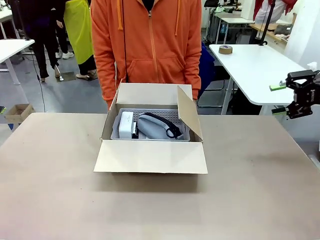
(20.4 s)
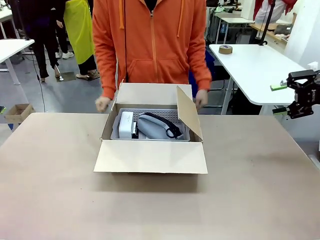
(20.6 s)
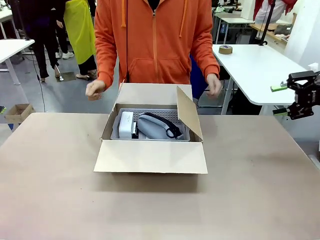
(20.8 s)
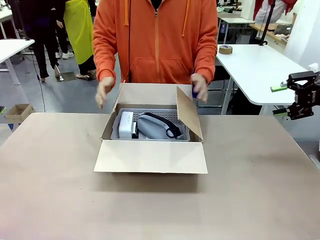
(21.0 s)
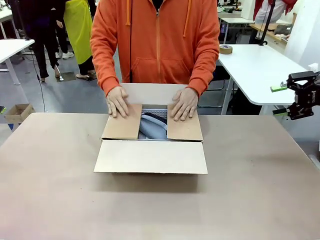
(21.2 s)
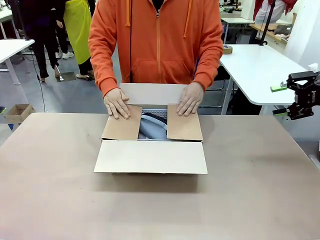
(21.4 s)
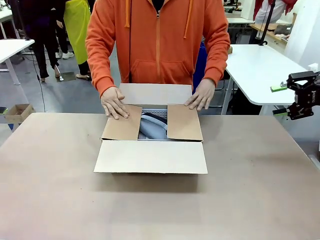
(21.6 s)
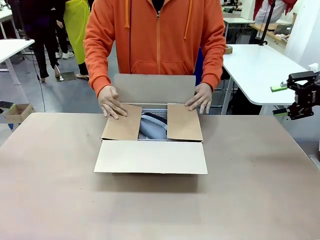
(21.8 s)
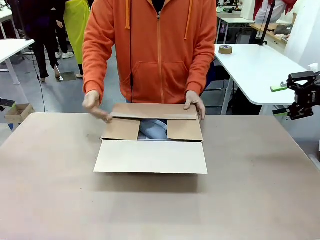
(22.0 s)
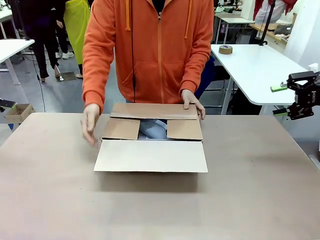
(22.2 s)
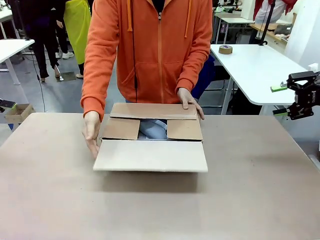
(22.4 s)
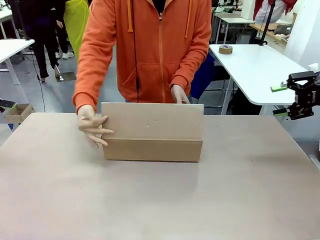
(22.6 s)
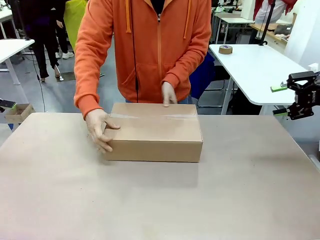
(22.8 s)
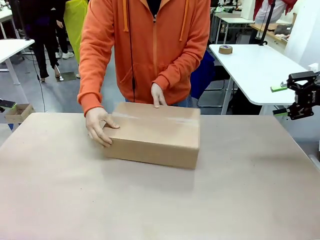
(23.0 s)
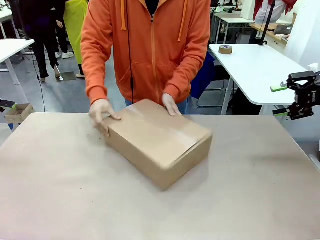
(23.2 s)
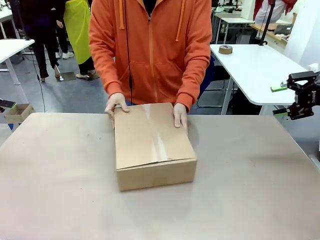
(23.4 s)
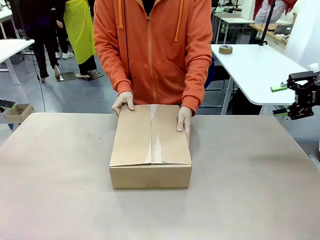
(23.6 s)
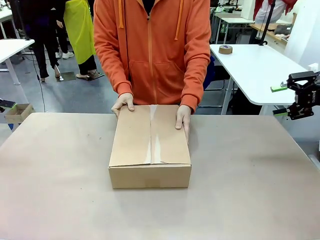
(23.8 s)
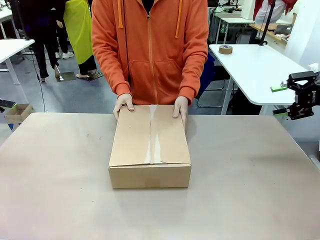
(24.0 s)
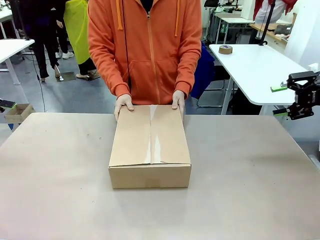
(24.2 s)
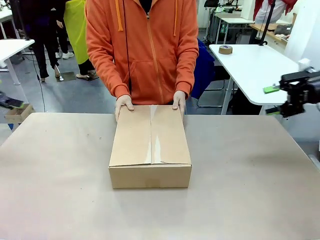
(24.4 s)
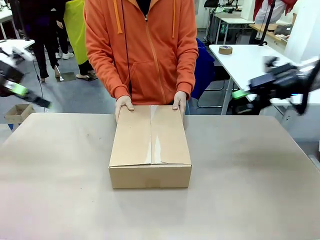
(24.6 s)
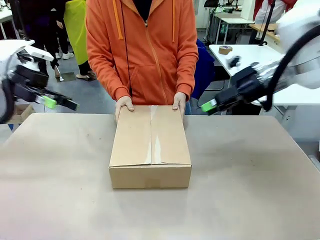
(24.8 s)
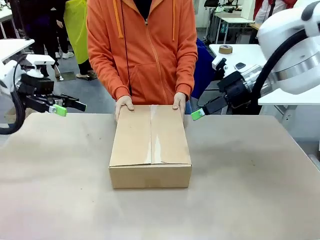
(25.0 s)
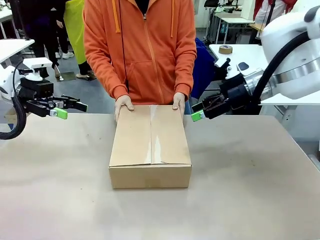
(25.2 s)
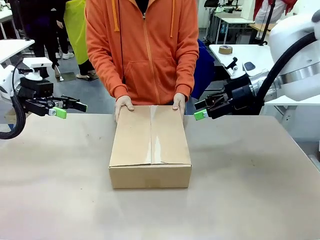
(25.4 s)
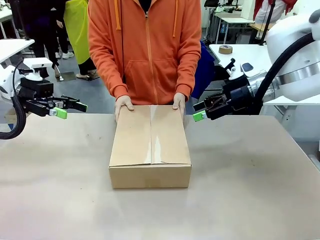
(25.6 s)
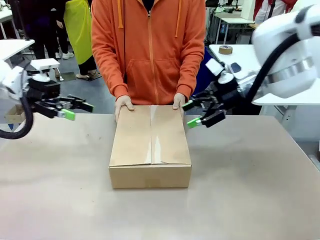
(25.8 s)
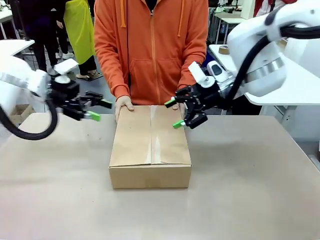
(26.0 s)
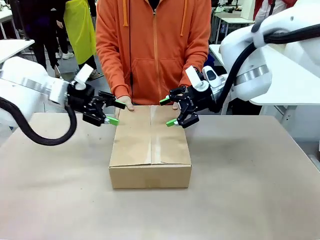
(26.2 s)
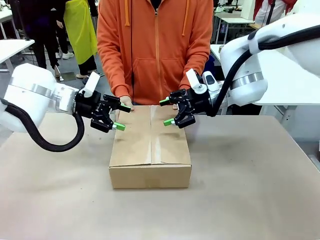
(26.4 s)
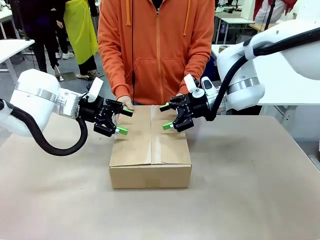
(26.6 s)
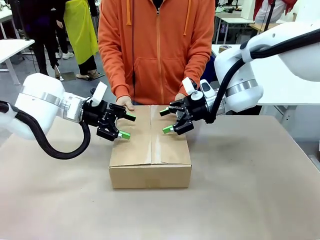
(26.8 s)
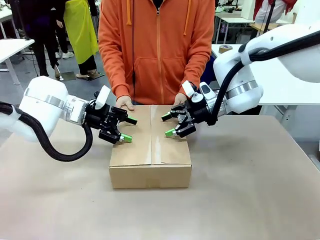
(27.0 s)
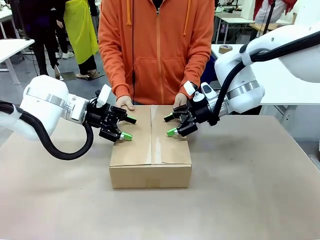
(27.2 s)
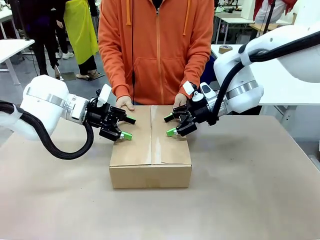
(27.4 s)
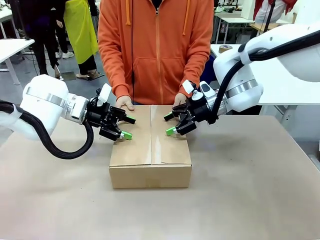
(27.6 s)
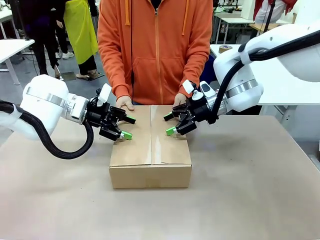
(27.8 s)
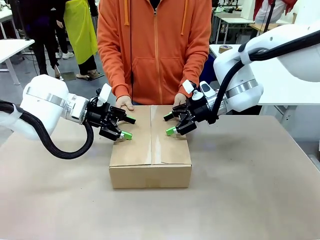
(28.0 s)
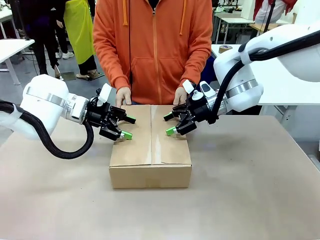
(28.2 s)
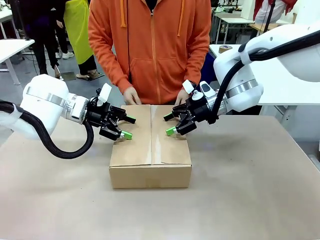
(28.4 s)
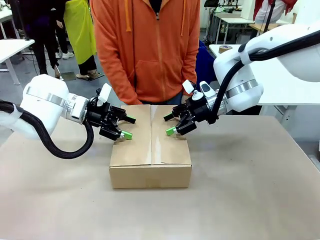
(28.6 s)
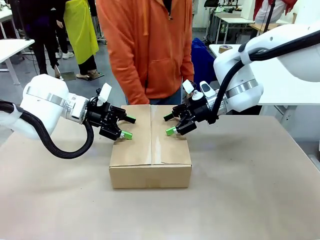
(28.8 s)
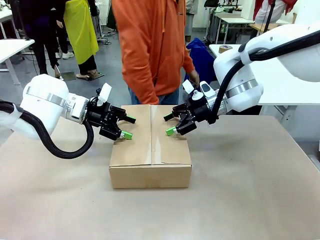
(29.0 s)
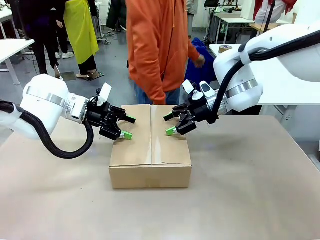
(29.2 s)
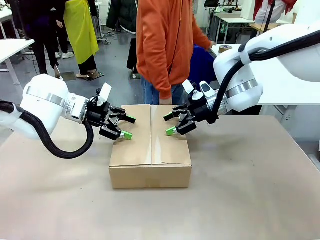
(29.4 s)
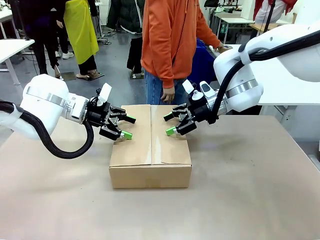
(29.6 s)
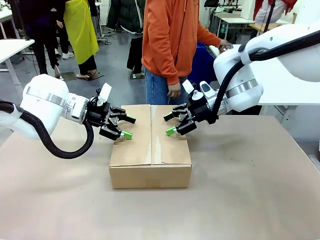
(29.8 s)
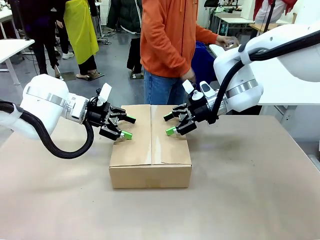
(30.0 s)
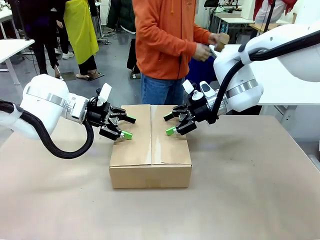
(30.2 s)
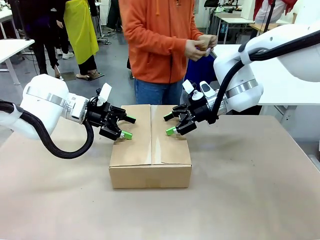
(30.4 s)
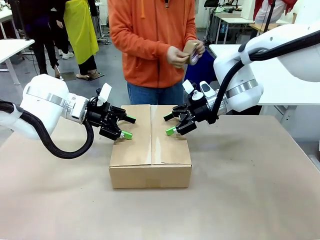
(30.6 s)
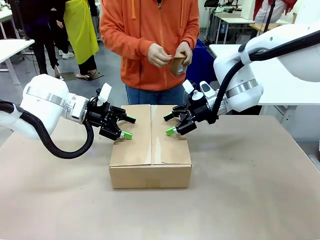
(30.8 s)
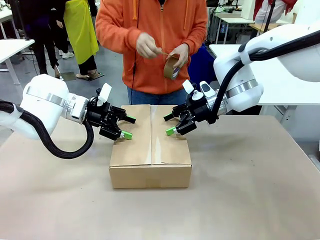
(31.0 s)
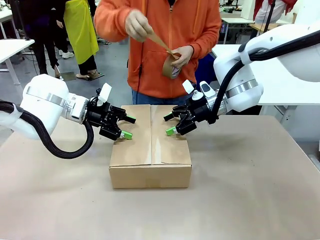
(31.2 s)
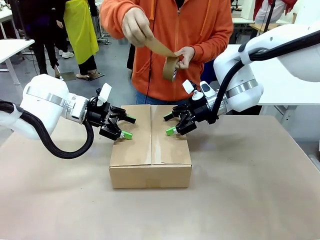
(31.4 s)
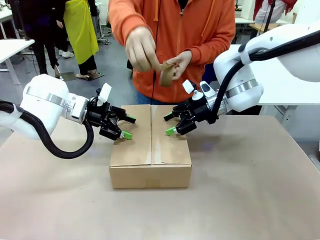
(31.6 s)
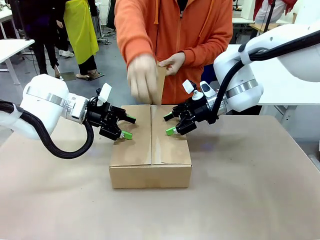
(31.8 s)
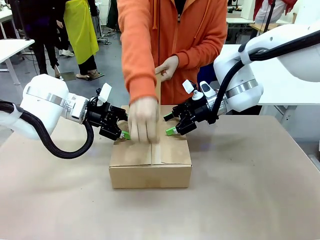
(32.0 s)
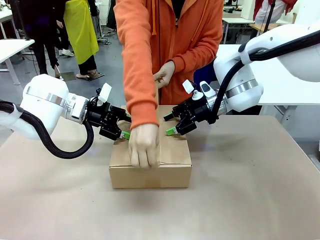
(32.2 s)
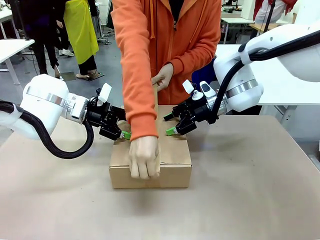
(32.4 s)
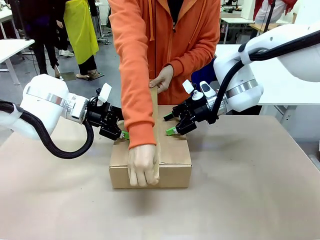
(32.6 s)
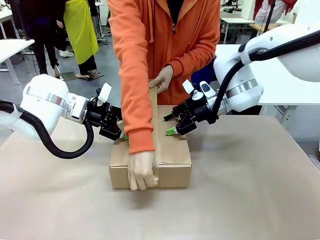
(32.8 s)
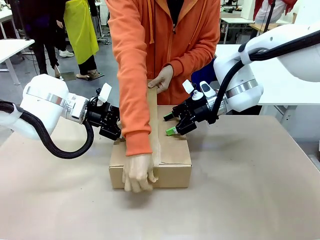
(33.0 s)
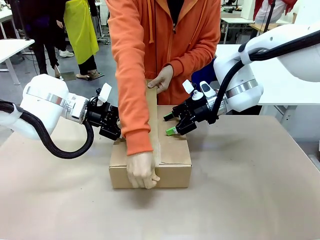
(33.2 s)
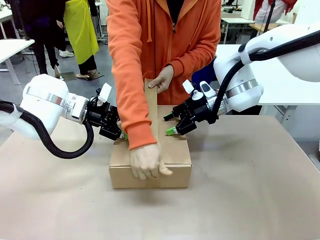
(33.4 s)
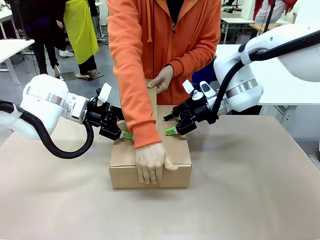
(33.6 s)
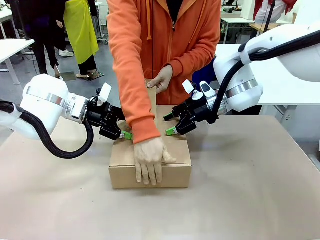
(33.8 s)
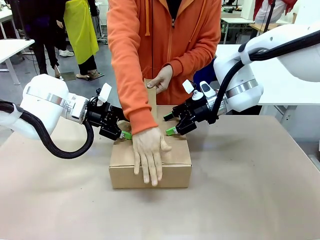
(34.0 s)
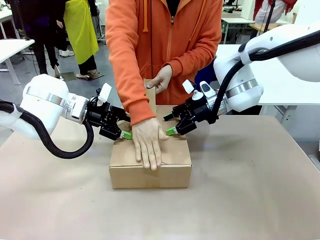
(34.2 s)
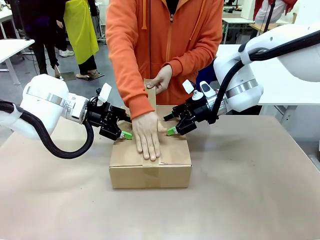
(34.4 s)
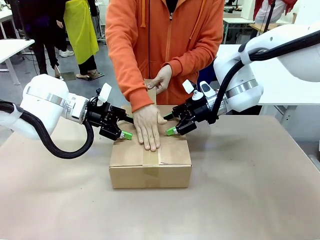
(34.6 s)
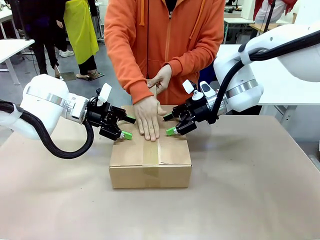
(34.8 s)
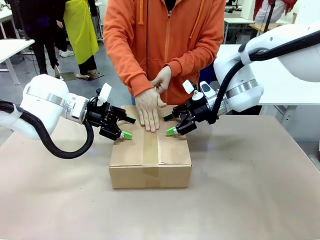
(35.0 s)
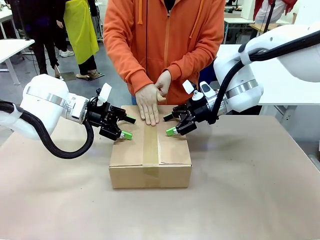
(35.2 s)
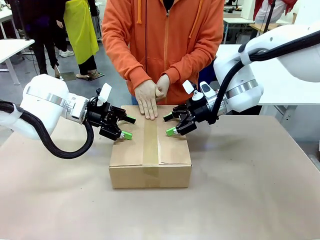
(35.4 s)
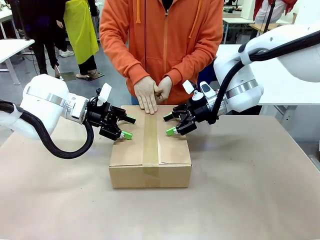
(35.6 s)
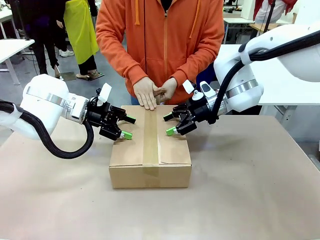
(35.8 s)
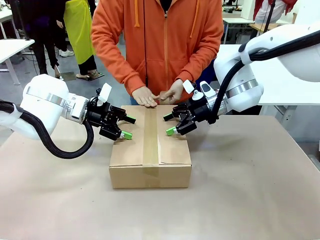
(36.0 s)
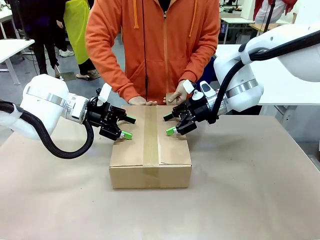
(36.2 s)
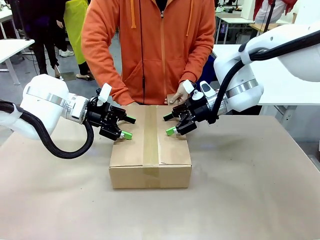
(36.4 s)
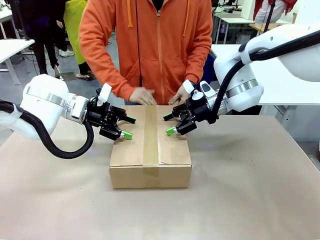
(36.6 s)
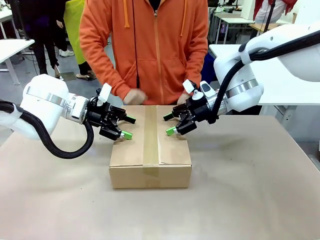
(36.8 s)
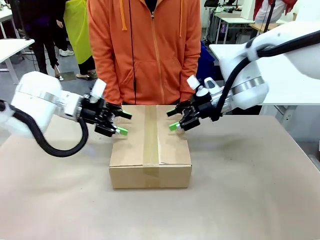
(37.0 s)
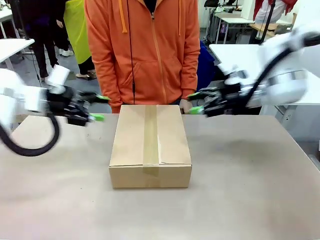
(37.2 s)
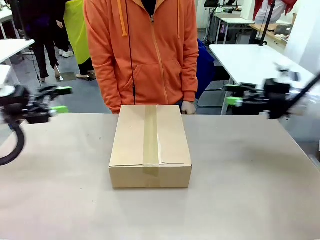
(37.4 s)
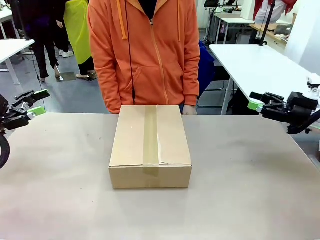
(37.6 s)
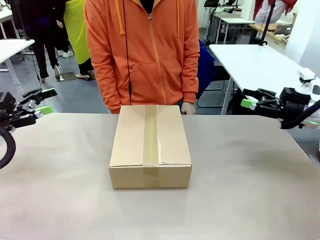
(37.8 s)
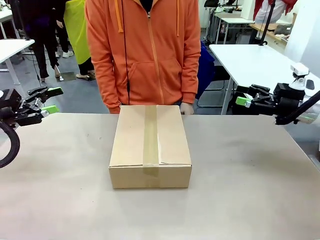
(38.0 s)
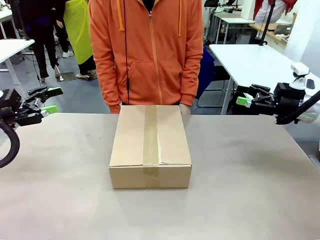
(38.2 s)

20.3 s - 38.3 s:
Task: Pack the gift set into the box.
Robot: Press and hold the closed box until the human finishes sealing it.
Person: The human closes the box and rotates the box by 90 degrees. The human picks up the paper tape from the human table and packs the box.
